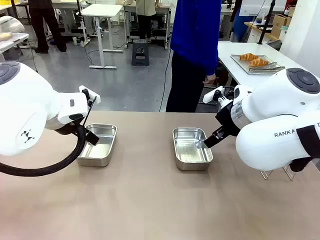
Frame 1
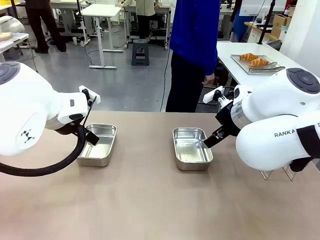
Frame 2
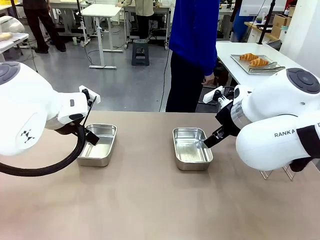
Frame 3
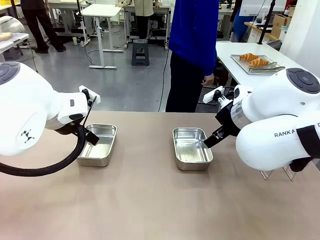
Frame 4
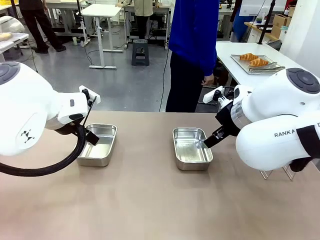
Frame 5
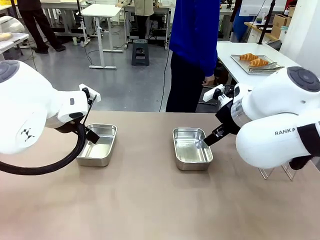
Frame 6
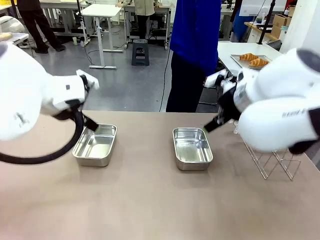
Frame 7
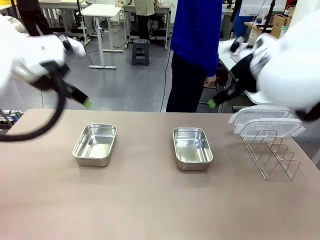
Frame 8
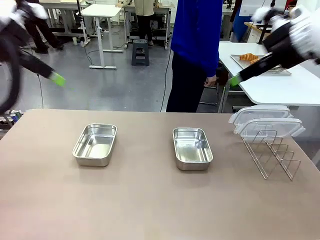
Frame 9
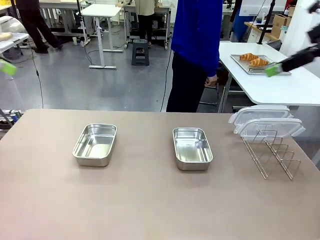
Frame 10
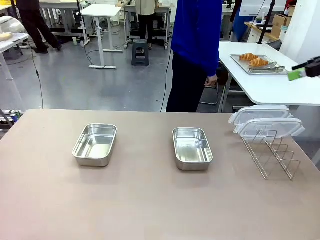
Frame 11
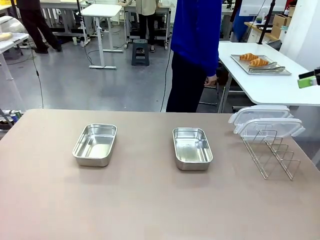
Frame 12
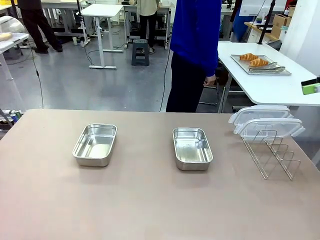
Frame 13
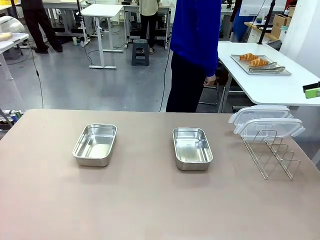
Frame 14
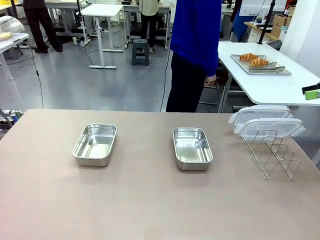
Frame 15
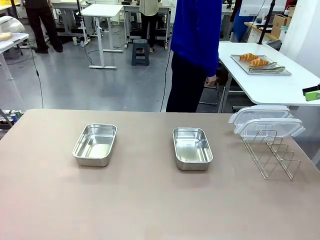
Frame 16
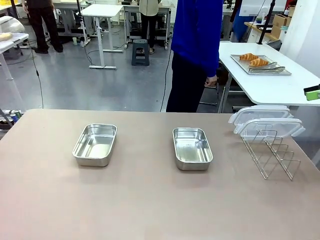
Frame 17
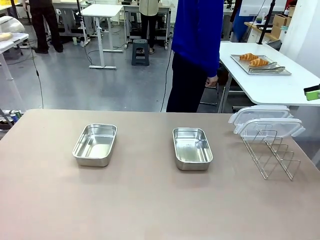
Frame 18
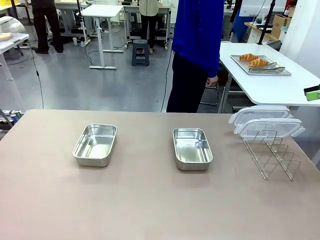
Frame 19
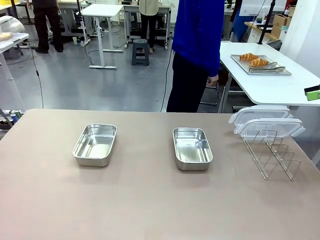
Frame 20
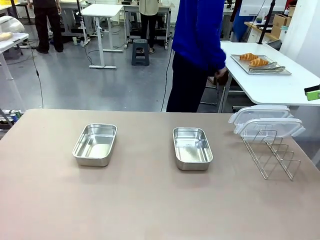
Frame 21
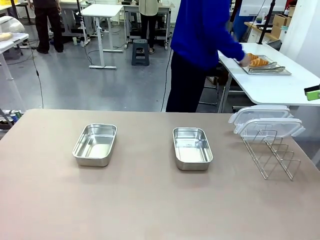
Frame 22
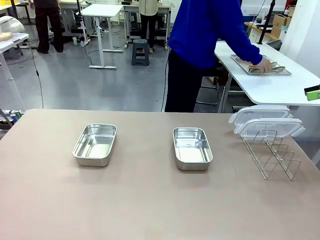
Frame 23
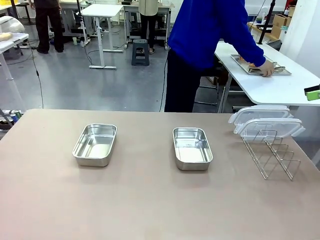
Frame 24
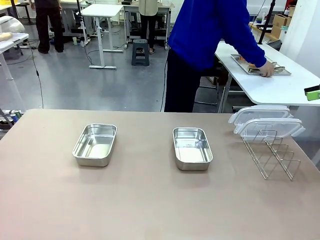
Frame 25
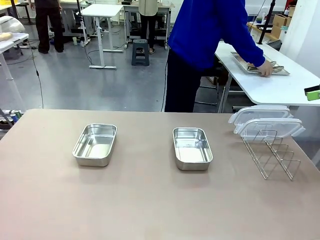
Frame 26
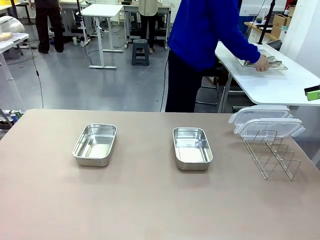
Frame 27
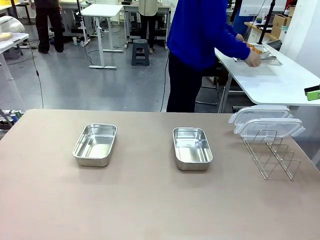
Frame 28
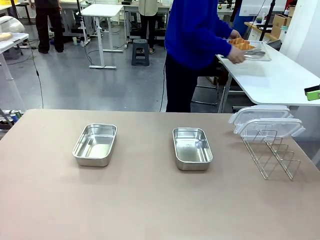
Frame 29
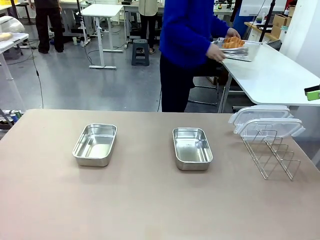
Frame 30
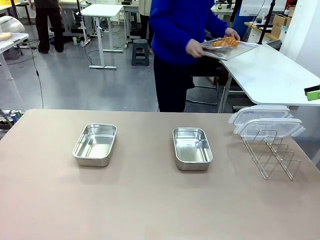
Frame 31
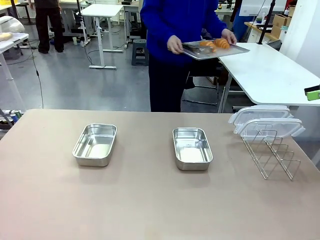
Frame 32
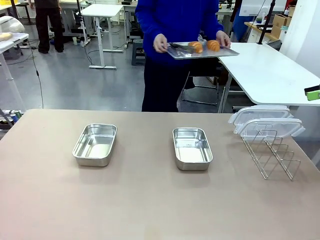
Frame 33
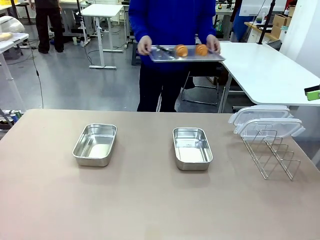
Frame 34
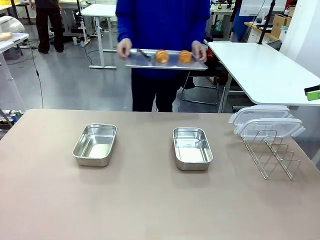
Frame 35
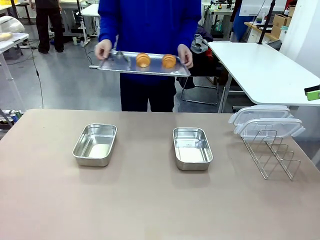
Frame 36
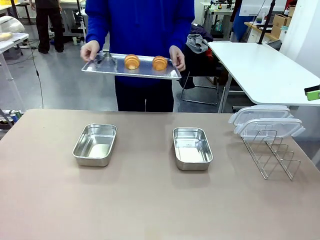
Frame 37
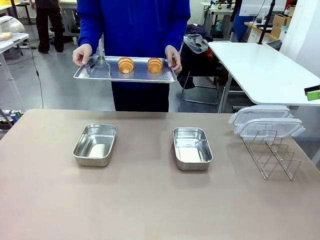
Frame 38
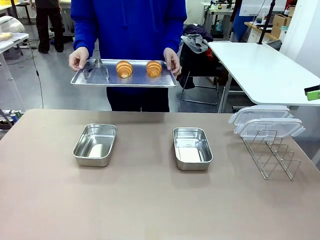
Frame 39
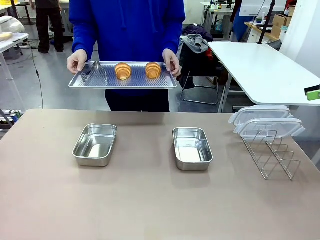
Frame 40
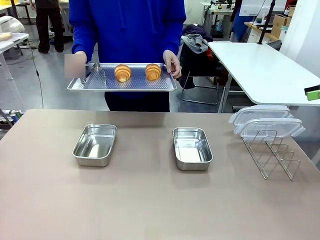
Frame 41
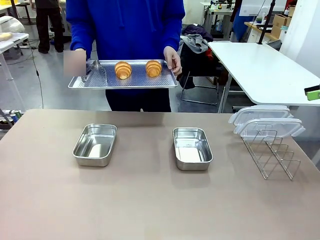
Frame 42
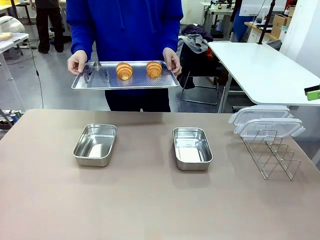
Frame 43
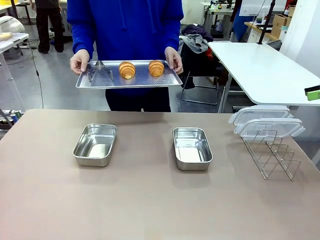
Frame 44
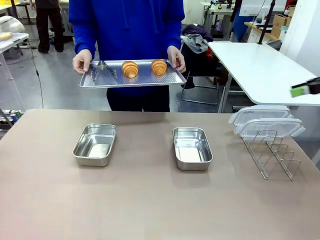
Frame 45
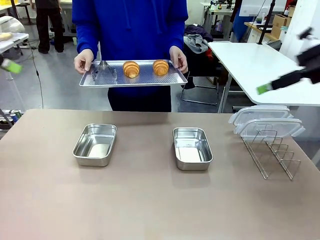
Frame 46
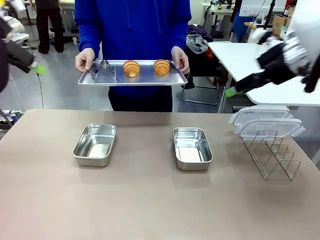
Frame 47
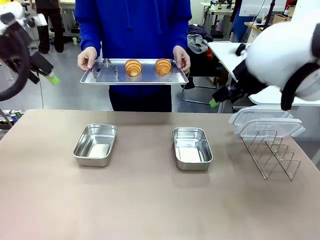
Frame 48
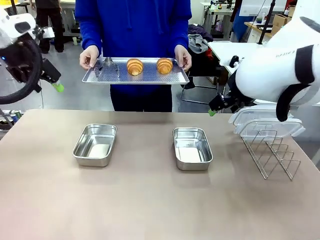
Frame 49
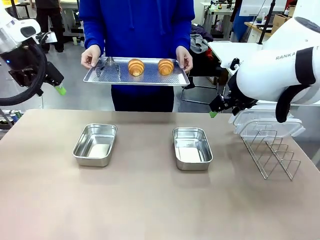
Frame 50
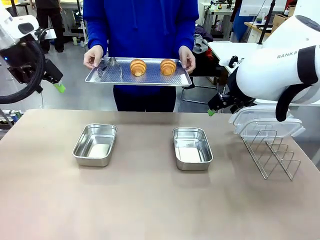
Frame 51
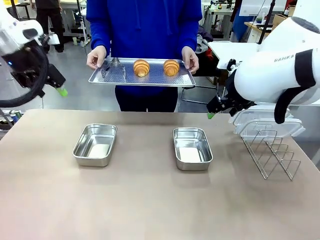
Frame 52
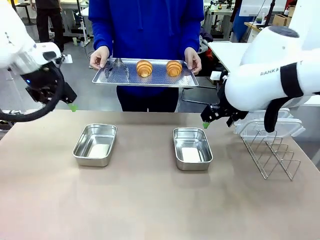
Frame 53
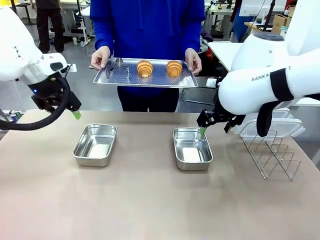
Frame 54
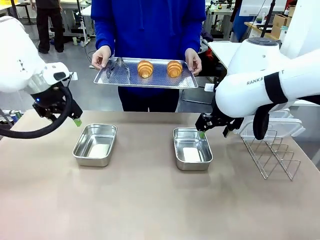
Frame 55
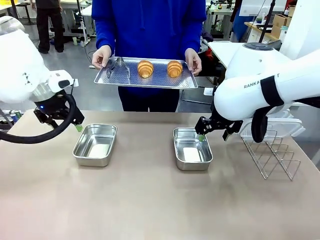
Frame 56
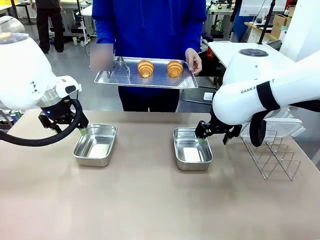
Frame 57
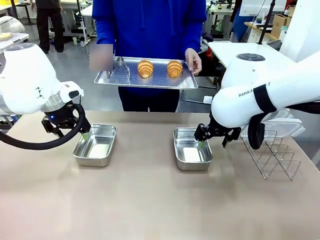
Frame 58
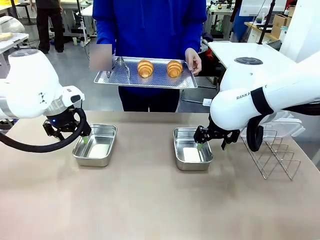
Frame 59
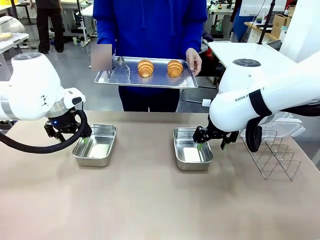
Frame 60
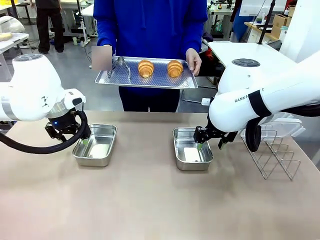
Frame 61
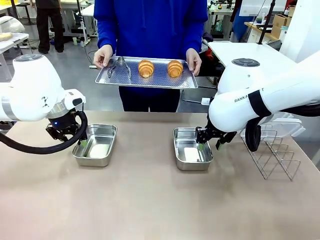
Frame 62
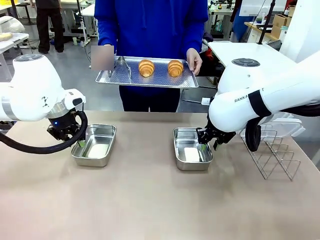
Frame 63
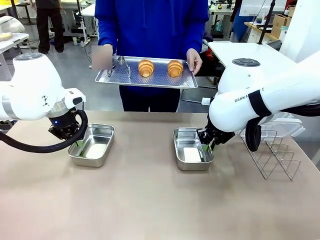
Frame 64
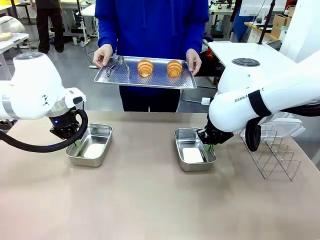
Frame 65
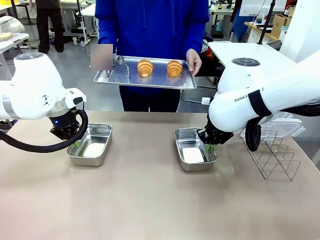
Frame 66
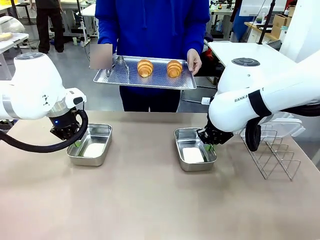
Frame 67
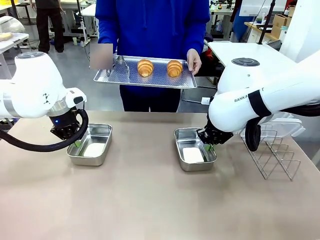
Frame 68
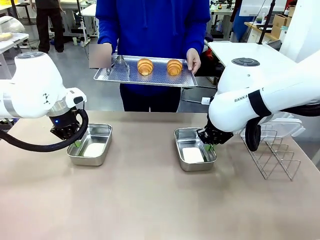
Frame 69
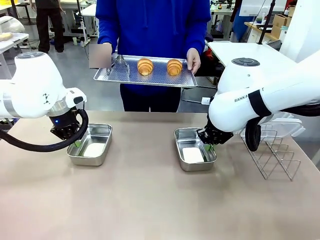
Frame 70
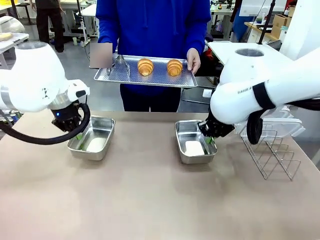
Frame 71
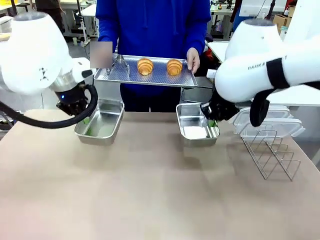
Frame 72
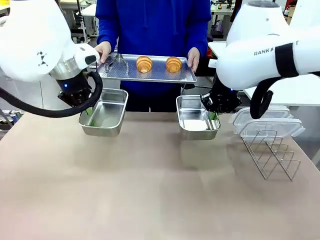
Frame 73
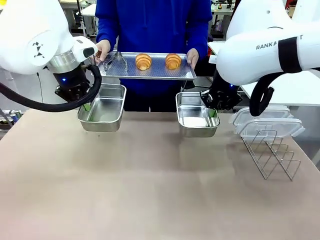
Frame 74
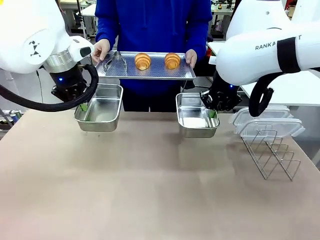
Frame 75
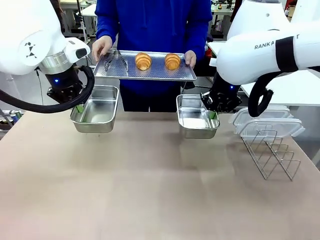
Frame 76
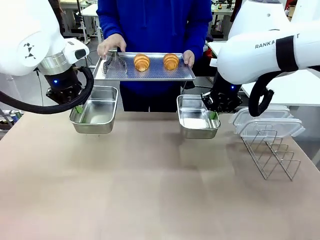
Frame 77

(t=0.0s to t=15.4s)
Task: Place the bread in airtight containers.
Robot: Lift both Airtight Container.
Person: Bring the Baking Sheet in front of Robot's Table.
